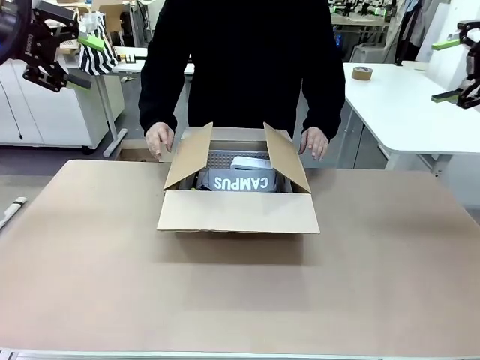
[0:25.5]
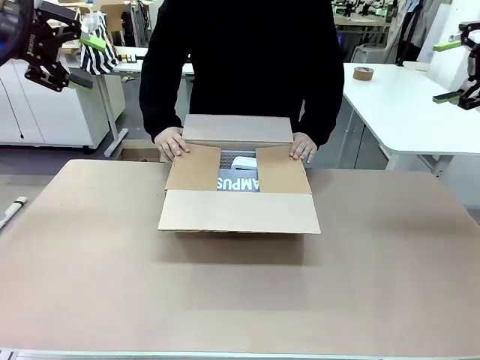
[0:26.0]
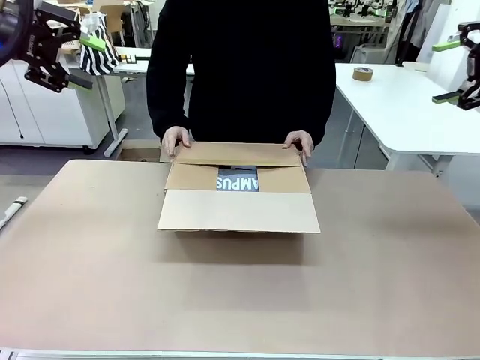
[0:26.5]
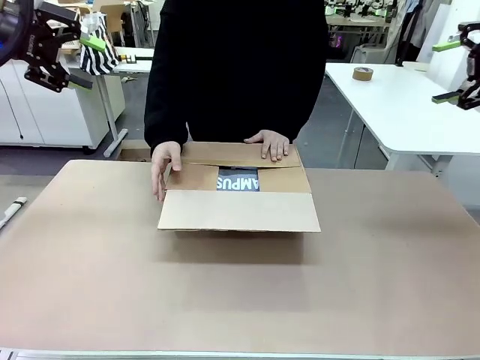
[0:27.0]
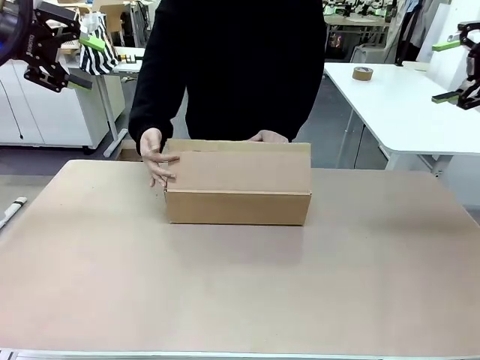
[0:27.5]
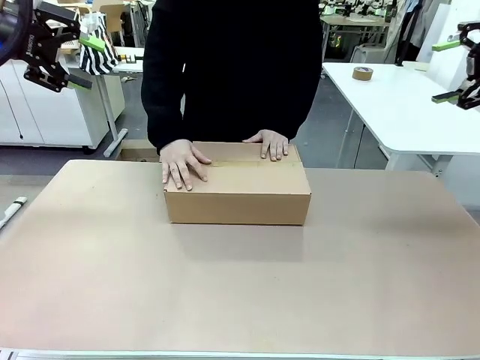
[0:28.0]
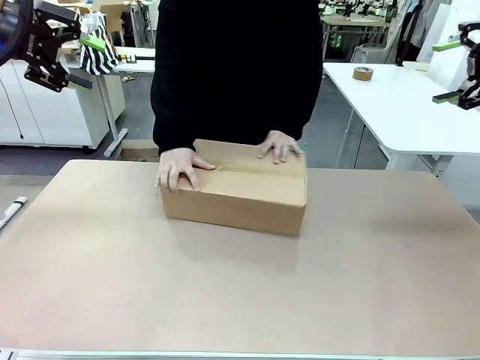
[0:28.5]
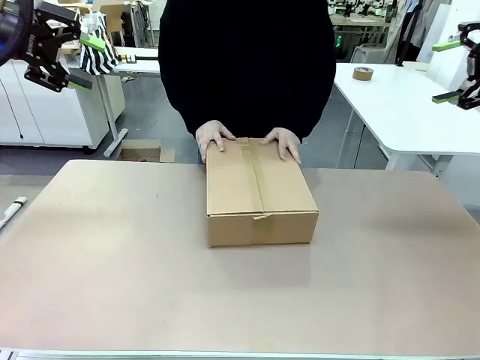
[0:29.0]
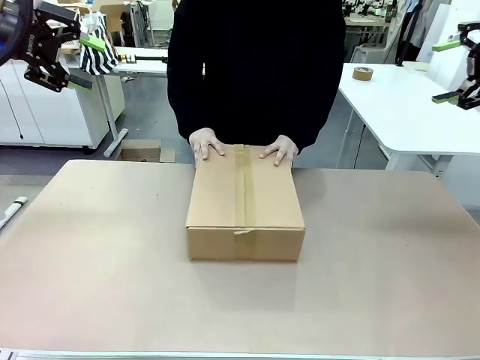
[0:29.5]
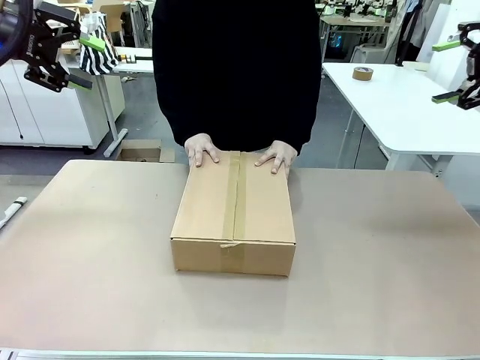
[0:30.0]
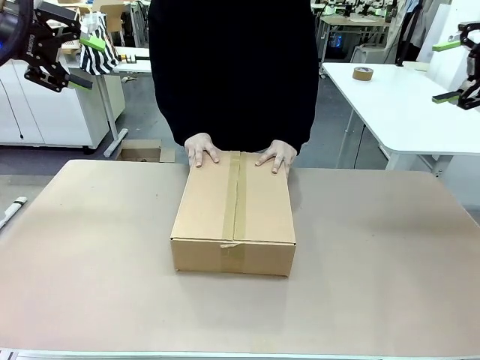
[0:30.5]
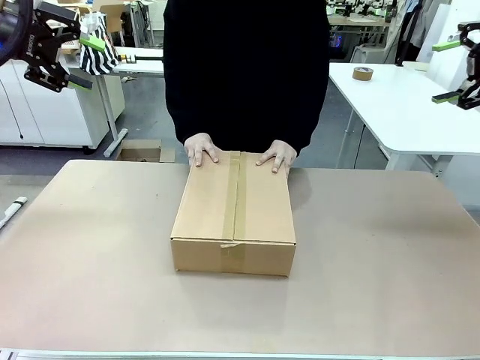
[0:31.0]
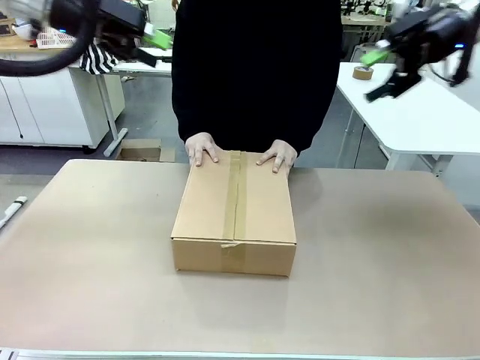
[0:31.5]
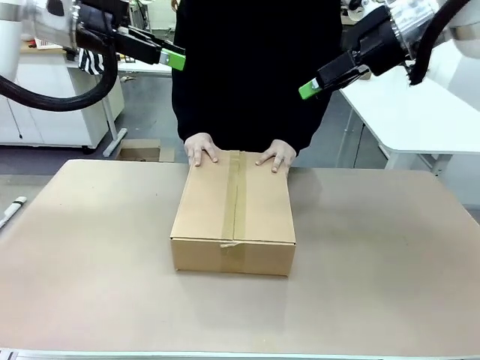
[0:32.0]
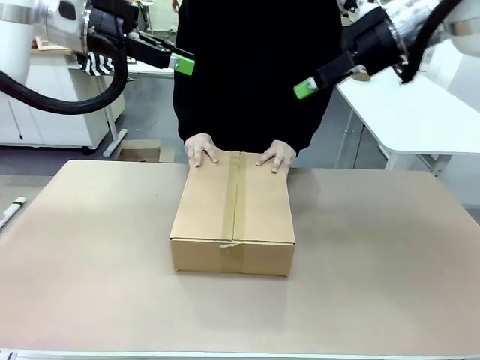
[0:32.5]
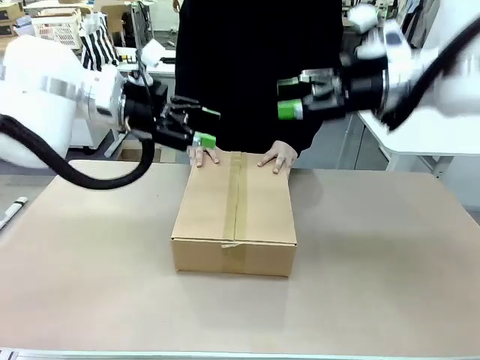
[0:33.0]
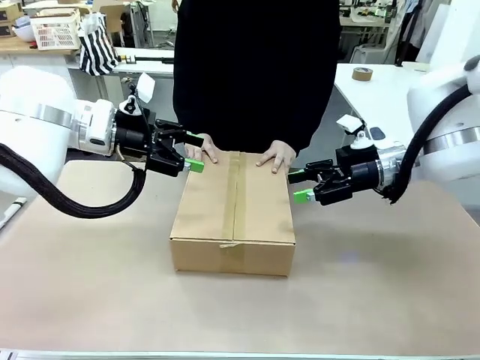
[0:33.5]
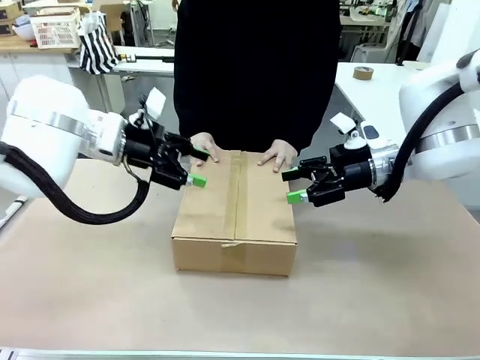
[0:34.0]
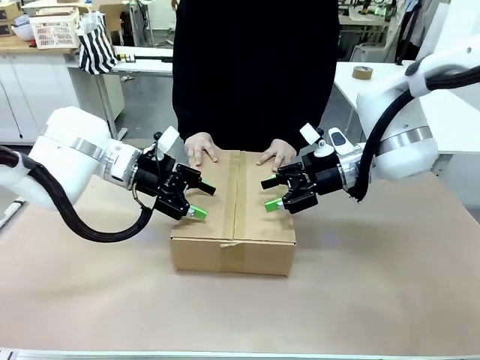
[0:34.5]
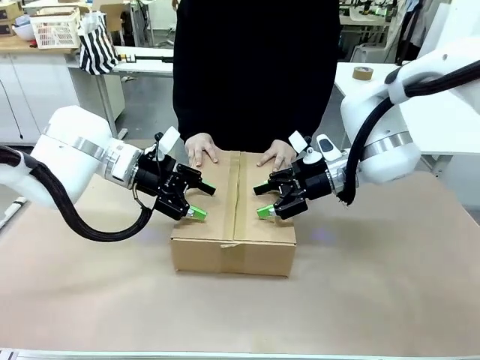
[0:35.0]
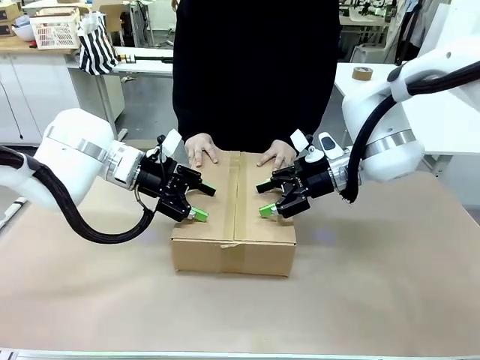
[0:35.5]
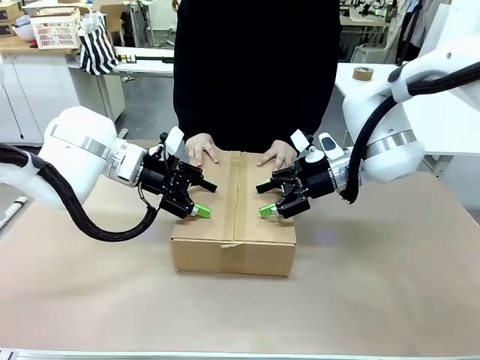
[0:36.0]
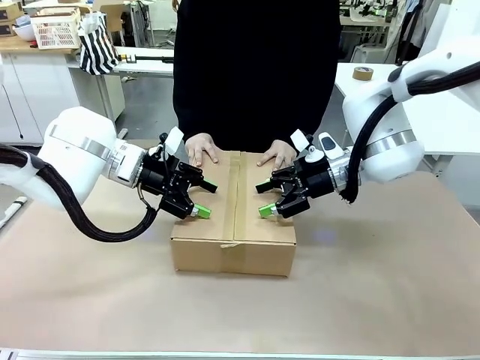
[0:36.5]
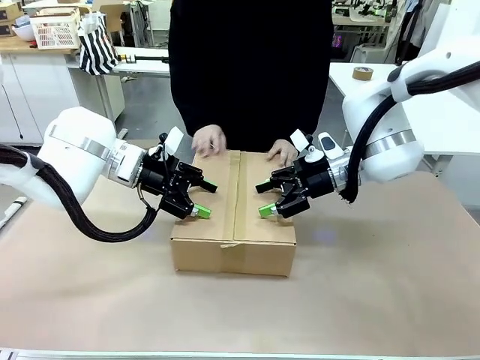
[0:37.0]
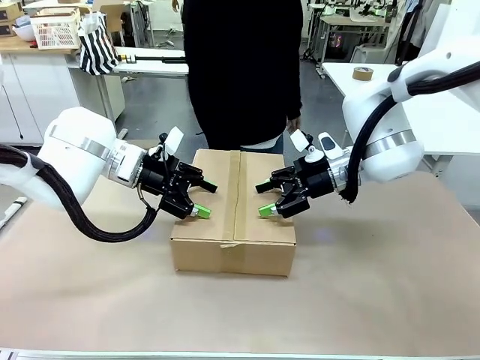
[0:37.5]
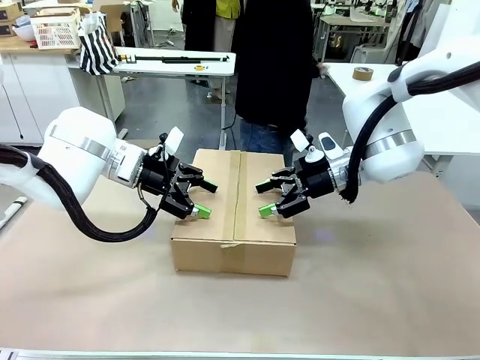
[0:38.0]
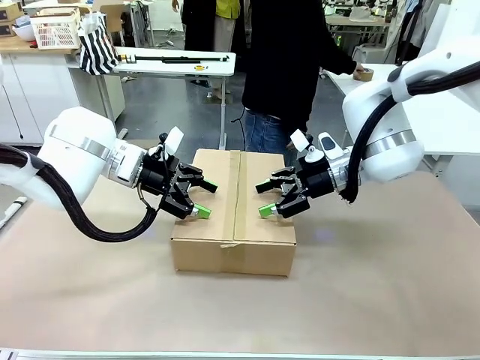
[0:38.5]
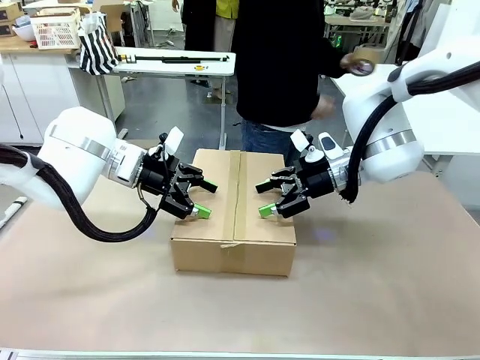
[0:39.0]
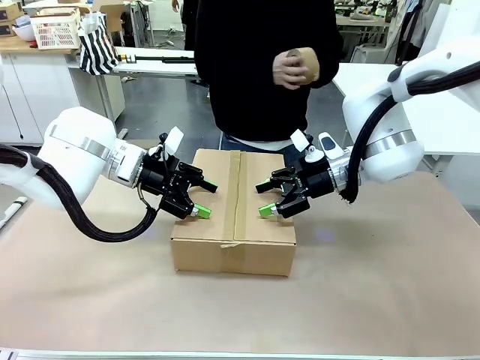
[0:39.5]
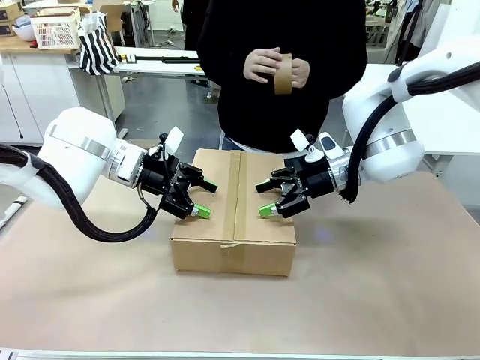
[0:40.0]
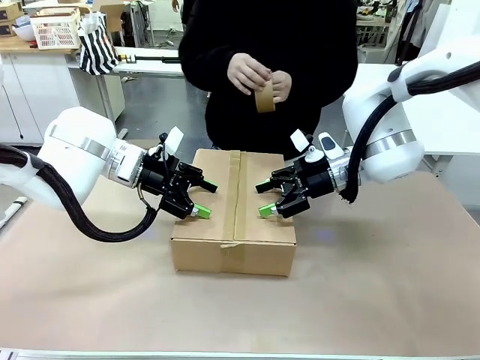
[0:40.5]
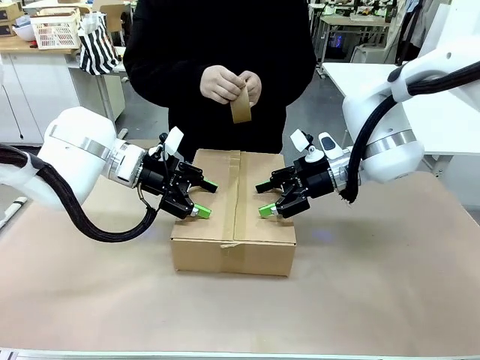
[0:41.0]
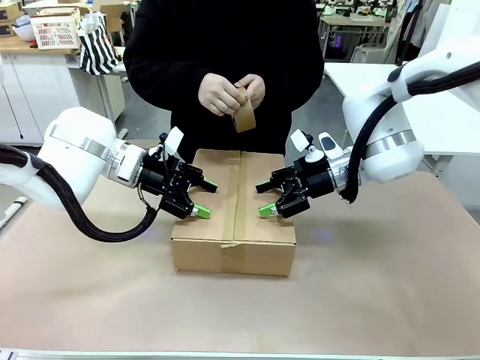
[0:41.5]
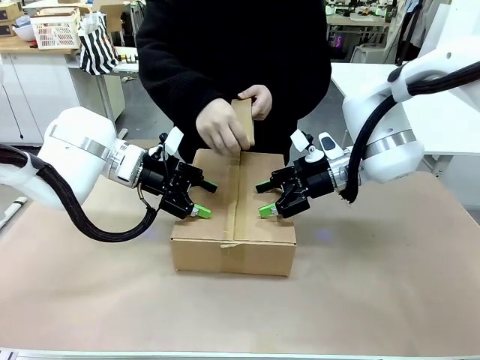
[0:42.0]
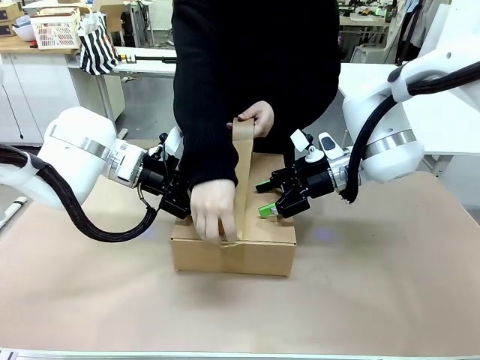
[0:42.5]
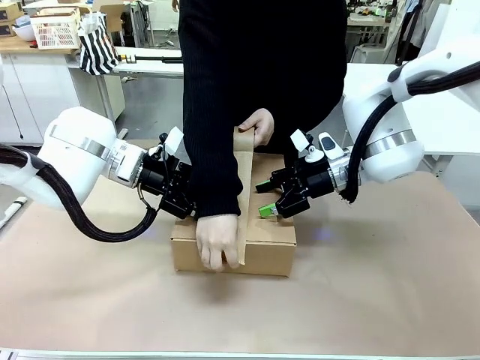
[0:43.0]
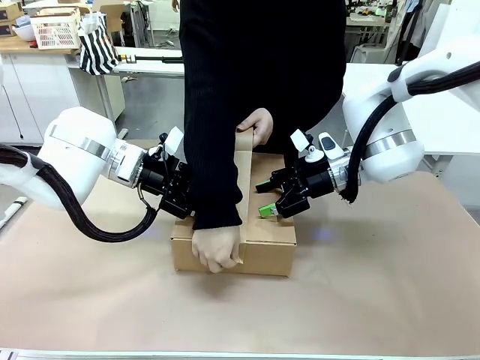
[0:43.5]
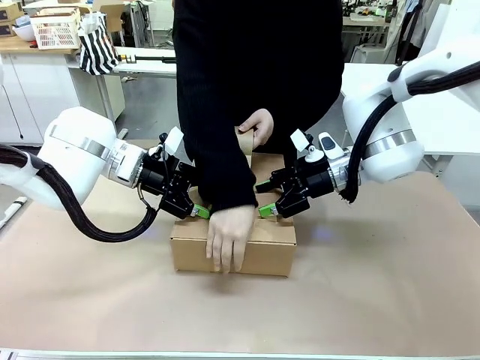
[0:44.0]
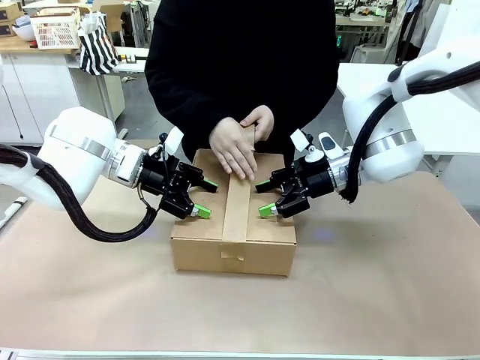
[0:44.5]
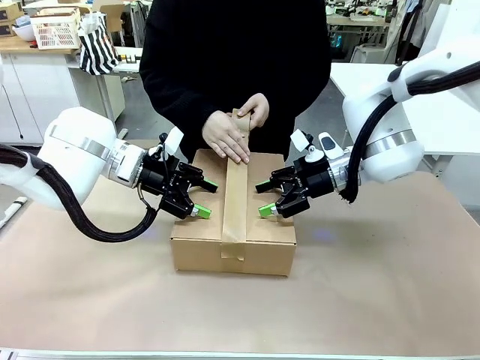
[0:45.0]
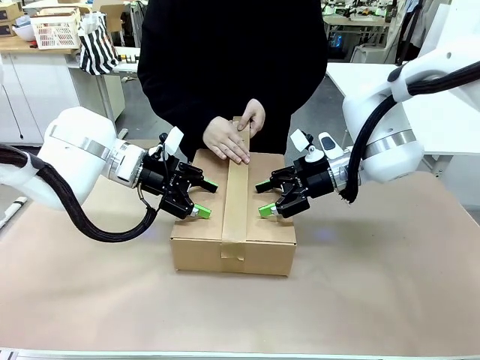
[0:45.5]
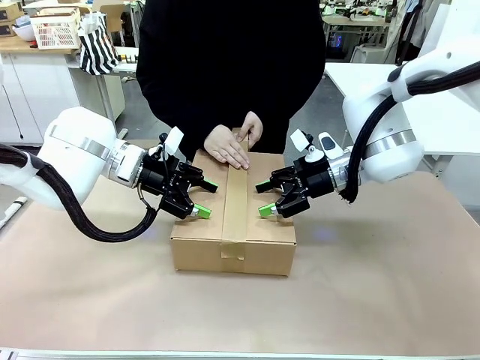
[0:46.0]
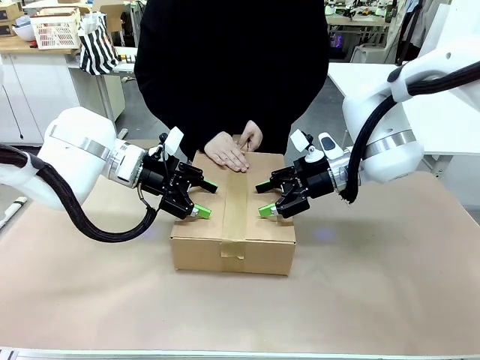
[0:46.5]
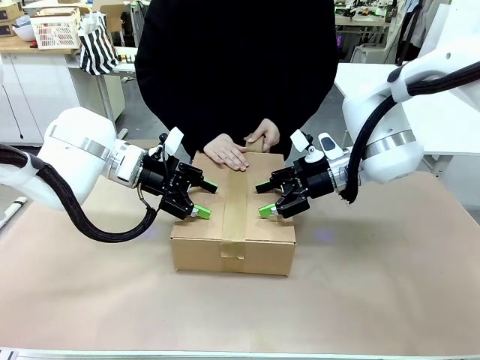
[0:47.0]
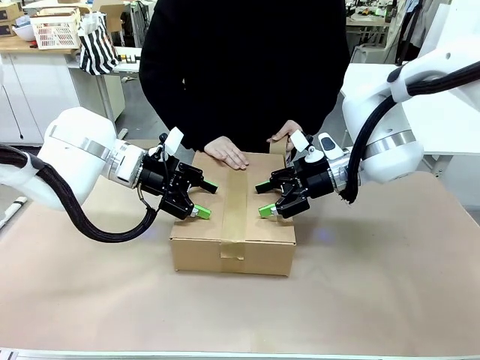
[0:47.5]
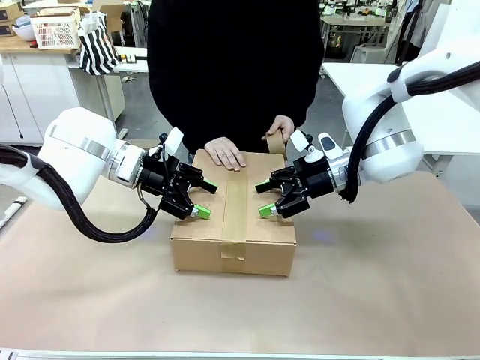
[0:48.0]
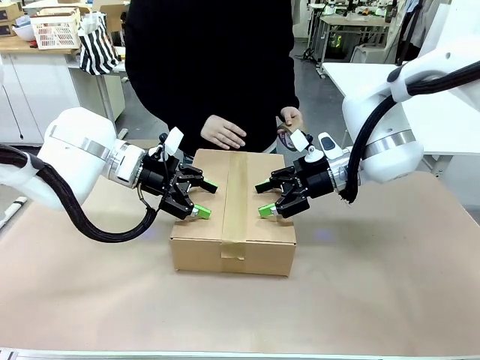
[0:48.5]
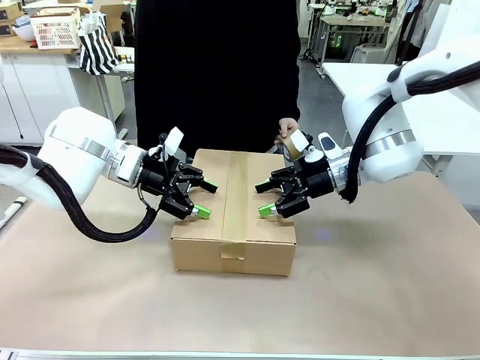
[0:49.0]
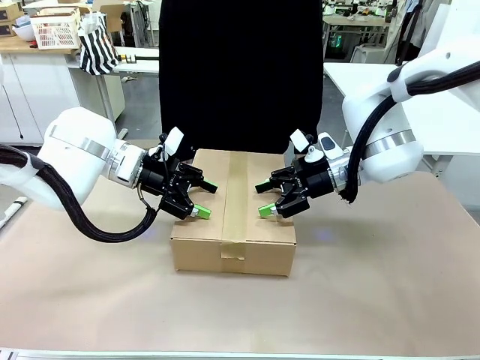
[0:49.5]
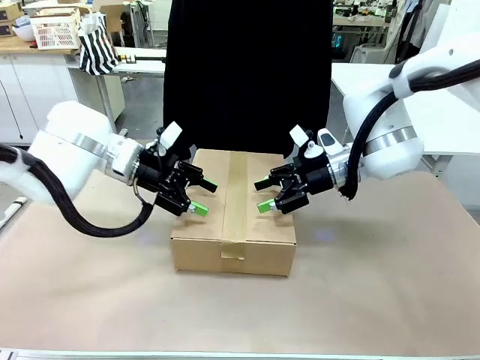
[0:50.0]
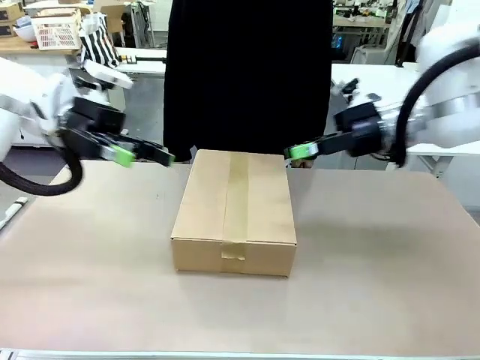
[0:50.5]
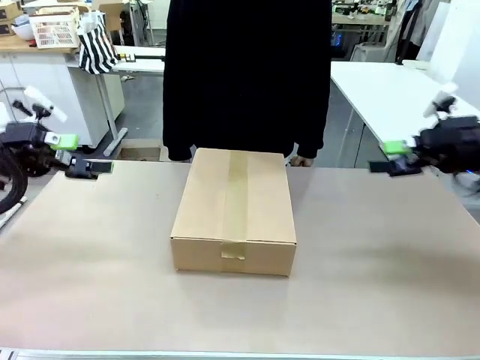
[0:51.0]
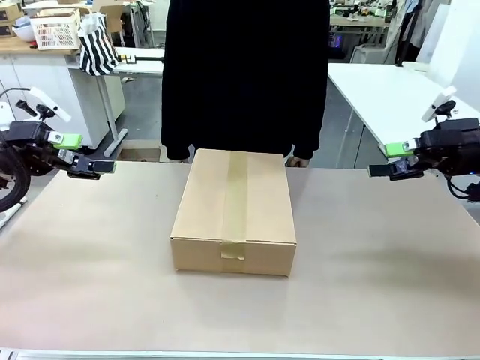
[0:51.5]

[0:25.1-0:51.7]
Task: Pack the gift set into the box.
Robot: Press and hold the closed box until the human finishes sealing it.
Person: The human closes the box and rotates the box by 90 degrees. The human picks up the paper tape from the human table and packs the box.
